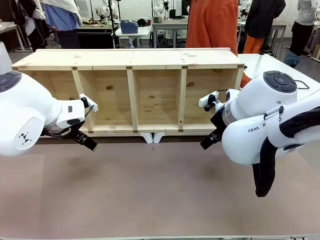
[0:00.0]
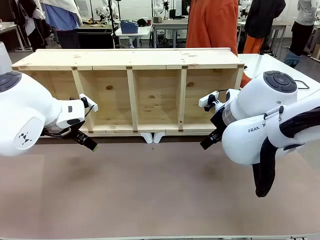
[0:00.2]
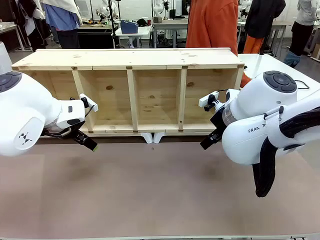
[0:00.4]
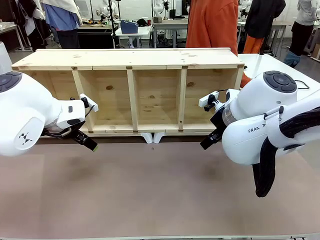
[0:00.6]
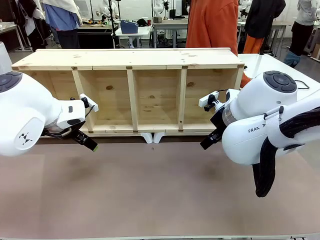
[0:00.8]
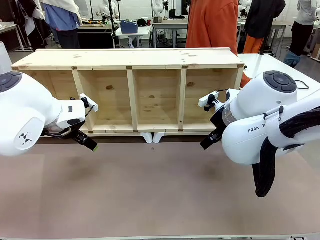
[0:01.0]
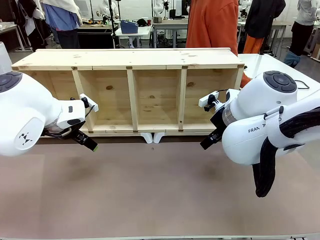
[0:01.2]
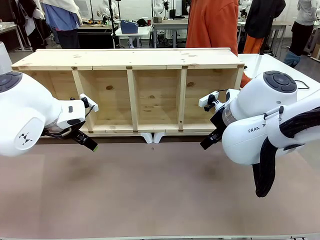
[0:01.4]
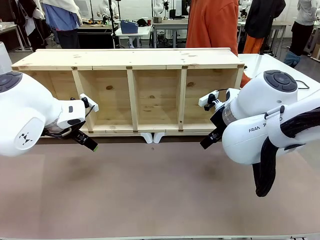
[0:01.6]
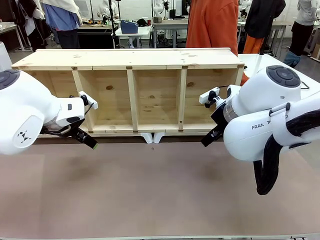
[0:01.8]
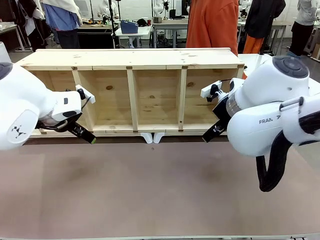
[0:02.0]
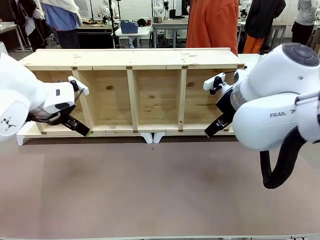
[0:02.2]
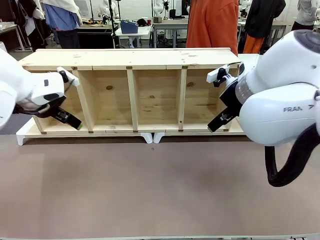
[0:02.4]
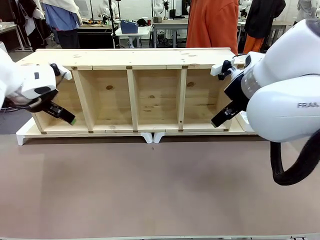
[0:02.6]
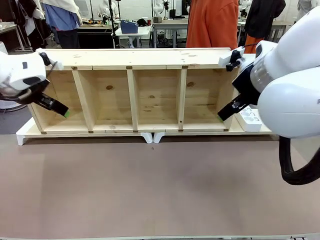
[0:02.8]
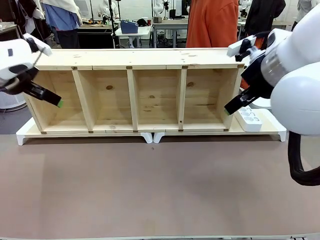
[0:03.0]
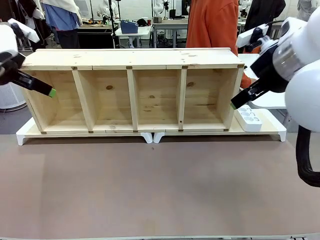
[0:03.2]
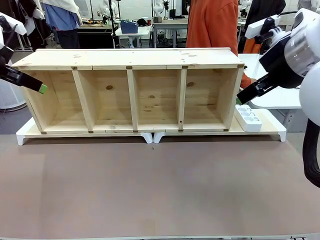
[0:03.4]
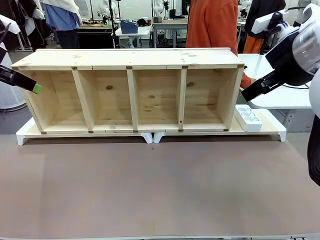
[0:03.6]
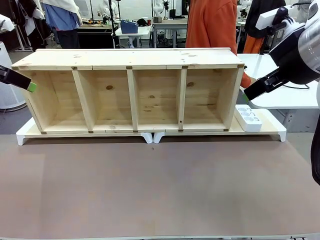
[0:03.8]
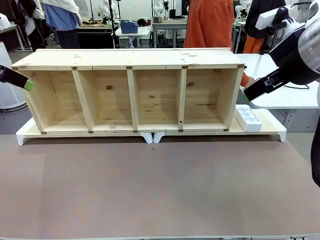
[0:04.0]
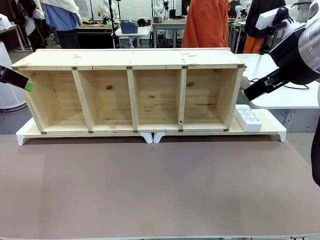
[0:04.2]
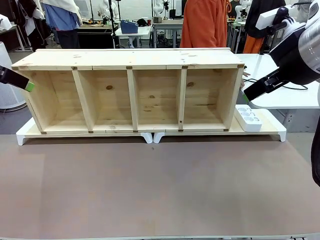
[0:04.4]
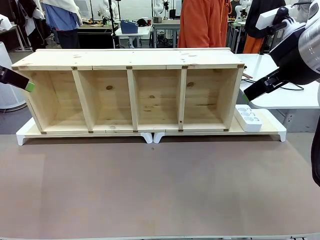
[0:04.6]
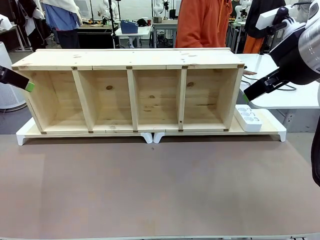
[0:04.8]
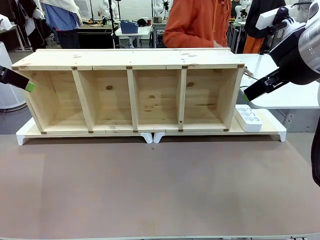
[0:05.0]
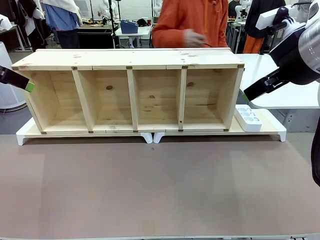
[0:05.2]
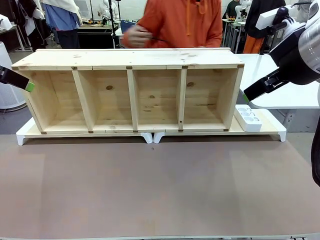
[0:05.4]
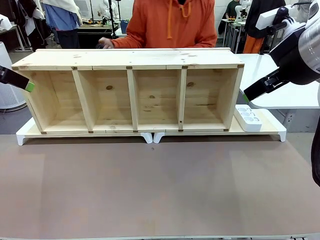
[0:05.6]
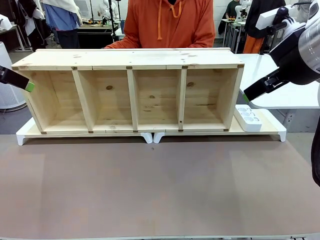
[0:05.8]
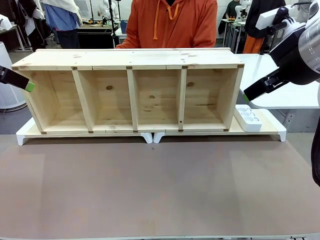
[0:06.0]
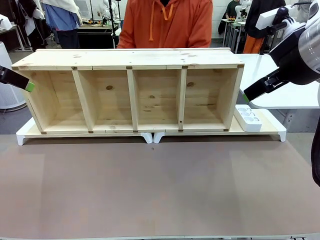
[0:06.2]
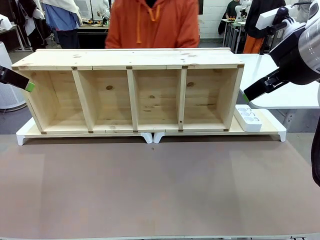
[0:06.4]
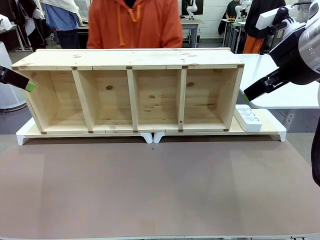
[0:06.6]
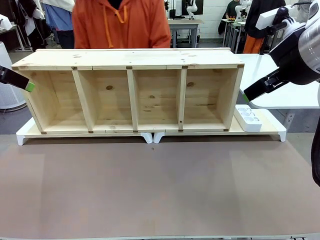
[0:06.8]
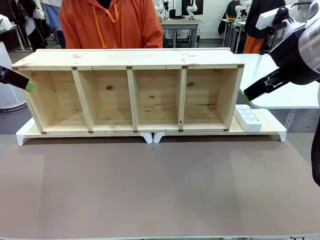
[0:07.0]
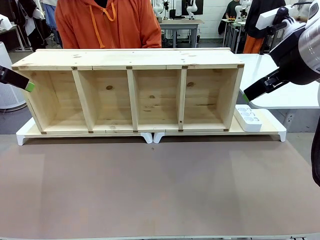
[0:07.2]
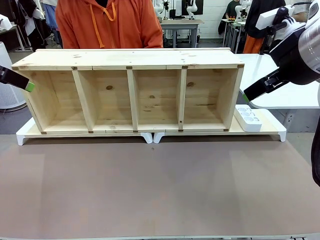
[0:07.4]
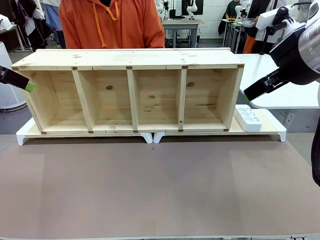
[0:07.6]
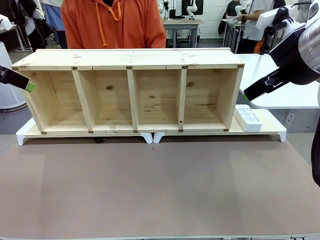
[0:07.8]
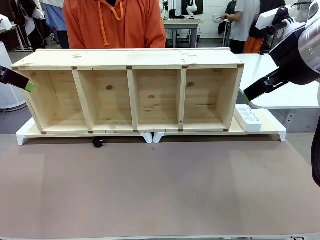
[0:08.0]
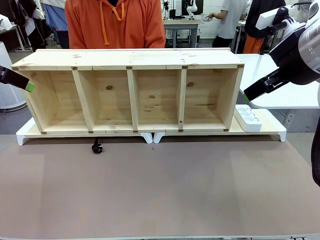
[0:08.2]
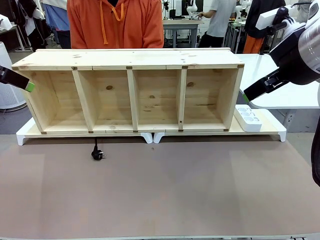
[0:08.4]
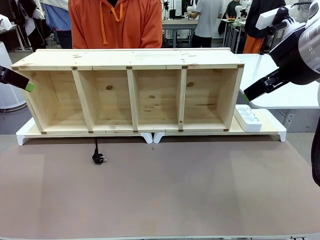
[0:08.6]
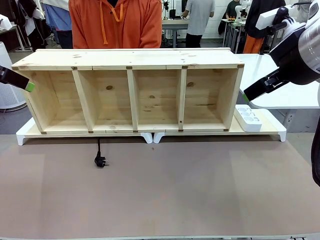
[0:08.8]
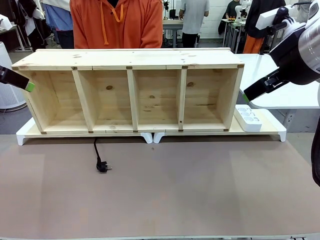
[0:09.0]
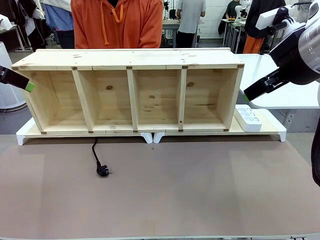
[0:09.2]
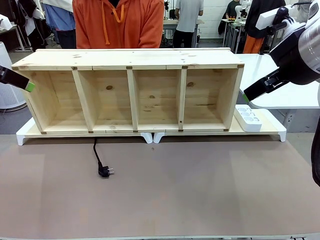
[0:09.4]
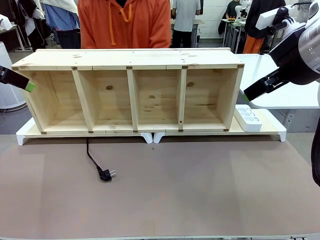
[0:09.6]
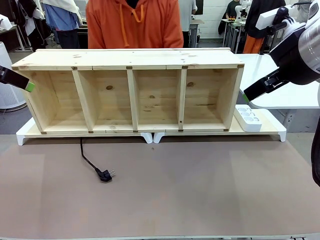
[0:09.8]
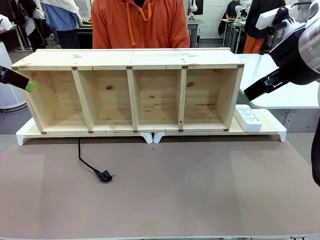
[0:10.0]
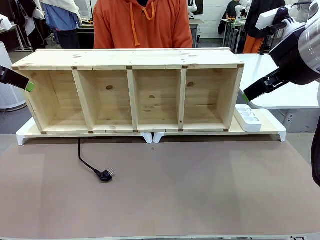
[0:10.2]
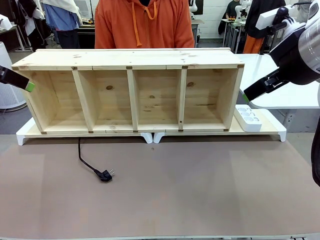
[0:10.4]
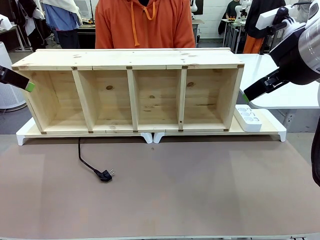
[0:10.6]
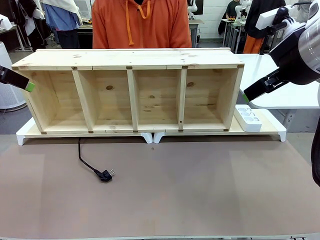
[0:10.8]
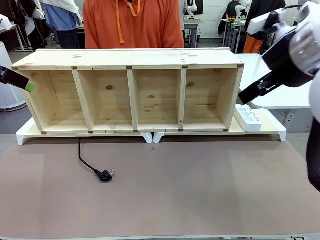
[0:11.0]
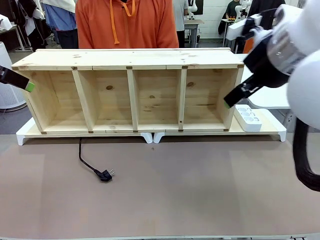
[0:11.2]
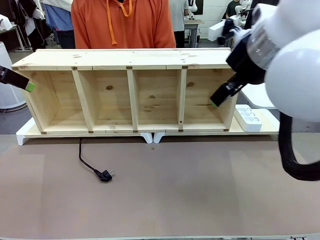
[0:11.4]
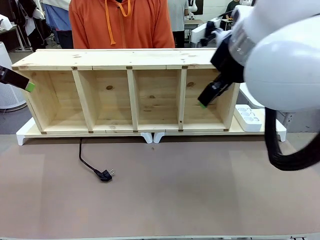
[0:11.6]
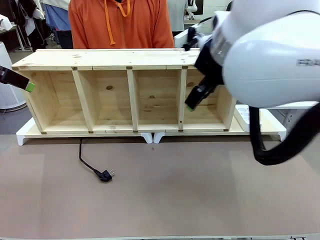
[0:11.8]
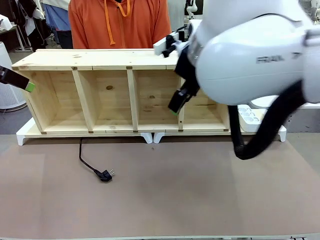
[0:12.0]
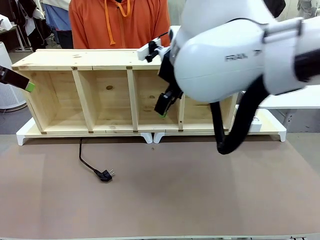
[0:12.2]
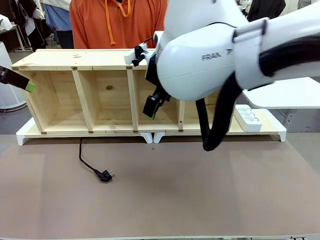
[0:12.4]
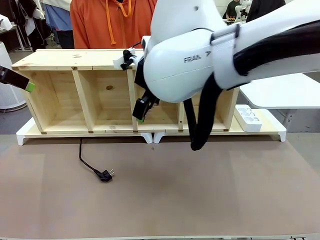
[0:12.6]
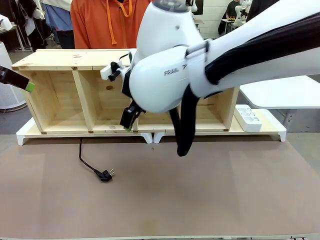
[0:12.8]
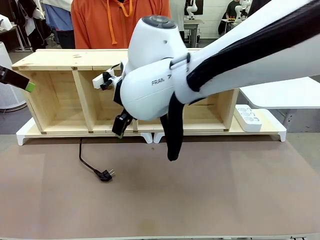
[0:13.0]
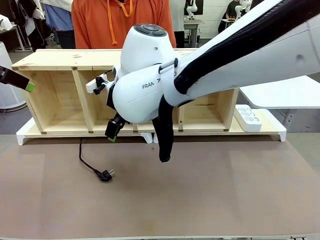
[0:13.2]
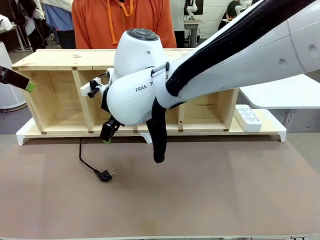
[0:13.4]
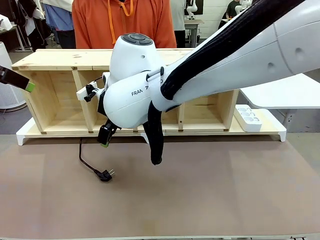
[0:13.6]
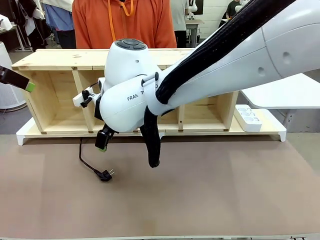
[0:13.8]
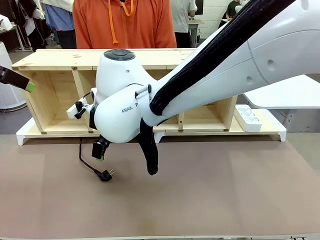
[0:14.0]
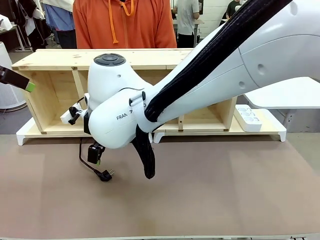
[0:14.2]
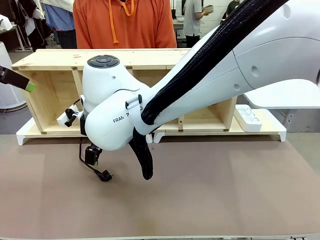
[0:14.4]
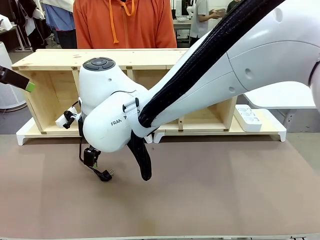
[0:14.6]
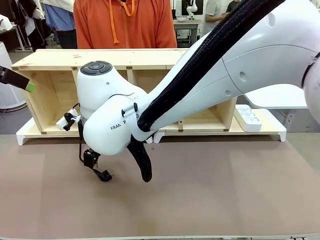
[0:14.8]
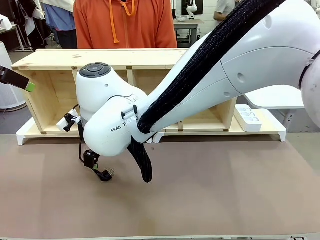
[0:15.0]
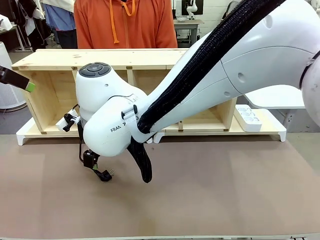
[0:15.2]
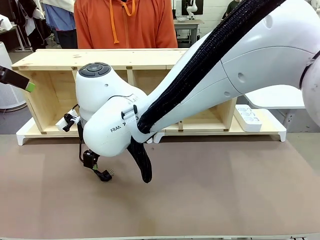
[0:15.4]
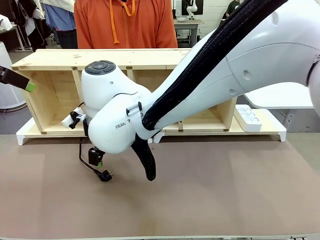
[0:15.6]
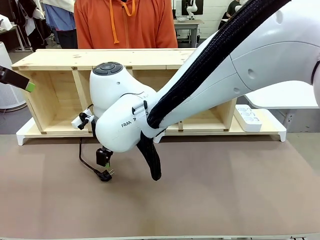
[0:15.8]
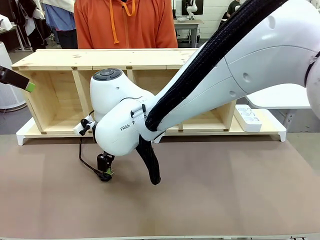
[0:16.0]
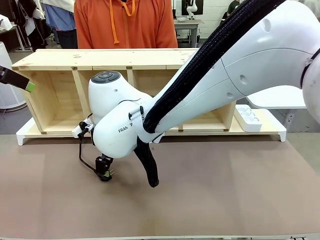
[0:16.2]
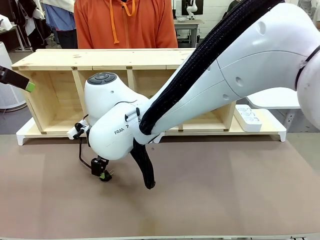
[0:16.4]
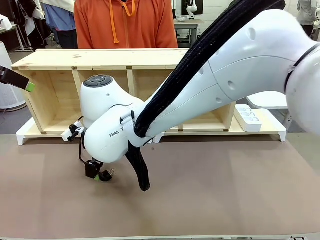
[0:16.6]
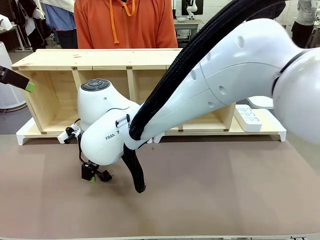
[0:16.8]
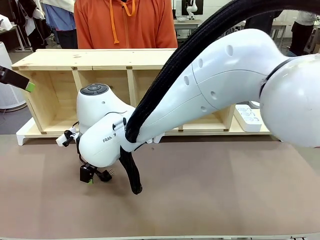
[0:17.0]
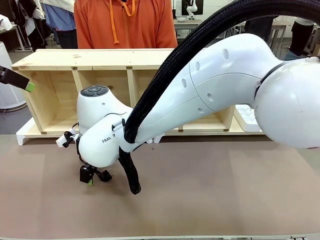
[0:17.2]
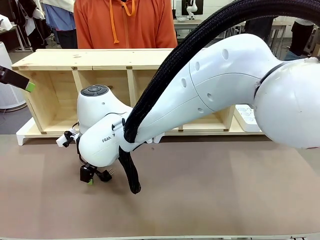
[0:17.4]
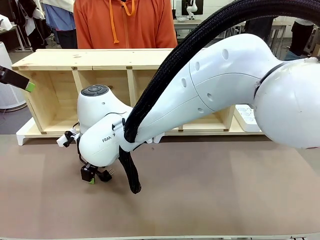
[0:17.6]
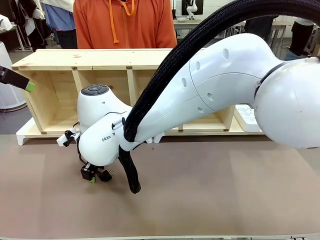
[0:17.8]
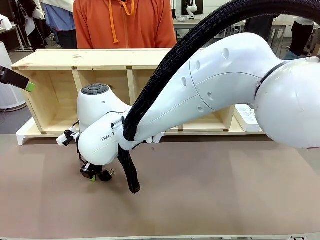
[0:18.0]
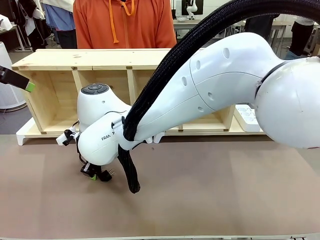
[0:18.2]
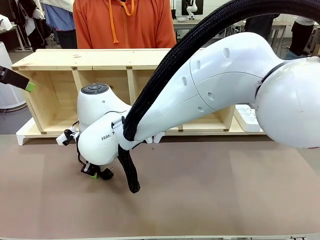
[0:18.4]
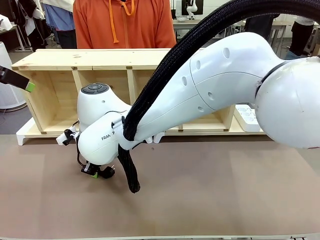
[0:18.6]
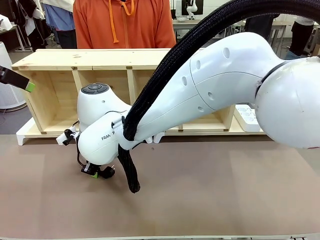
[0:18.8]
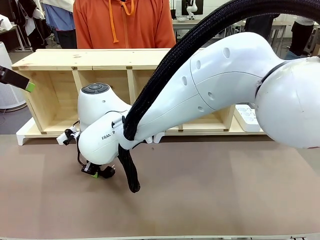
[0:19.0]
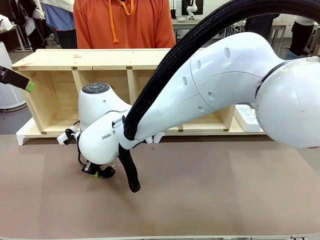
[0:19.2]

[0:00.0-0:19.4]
Task: Perform cable management.
Robot: When the cord part of the Power Cable appears at the lower middle area of the table and stops, grasp the cord part of the Power Cable.
Person: Pass the Power Cable under the Serving Table.
